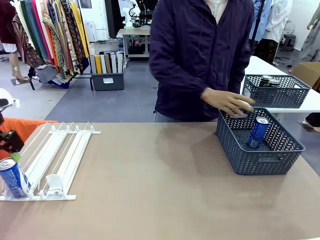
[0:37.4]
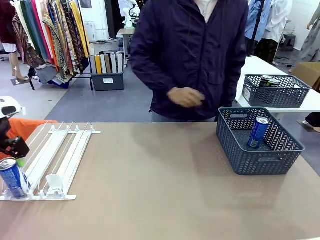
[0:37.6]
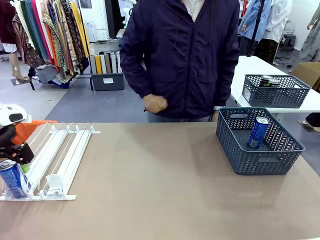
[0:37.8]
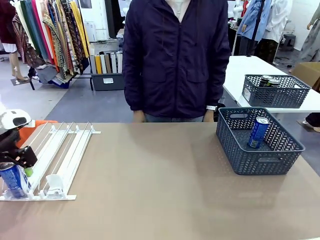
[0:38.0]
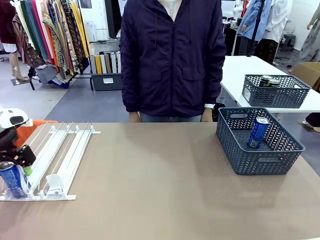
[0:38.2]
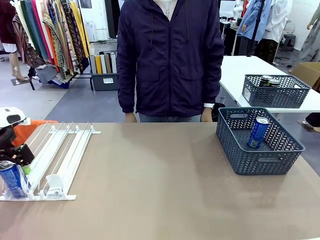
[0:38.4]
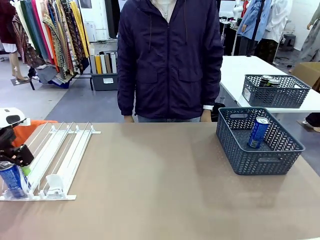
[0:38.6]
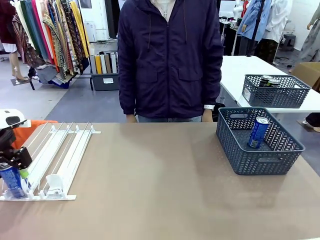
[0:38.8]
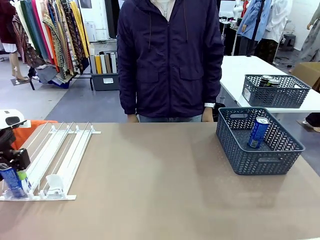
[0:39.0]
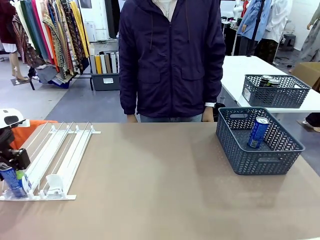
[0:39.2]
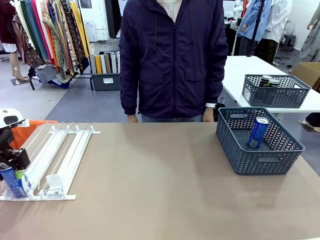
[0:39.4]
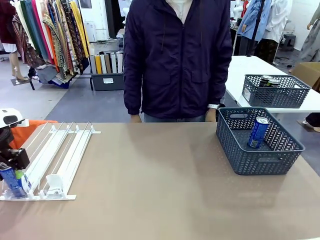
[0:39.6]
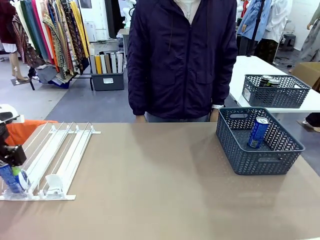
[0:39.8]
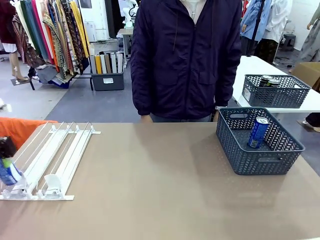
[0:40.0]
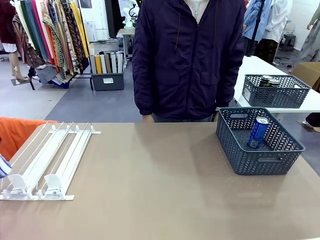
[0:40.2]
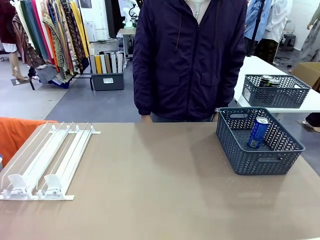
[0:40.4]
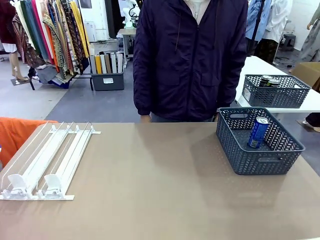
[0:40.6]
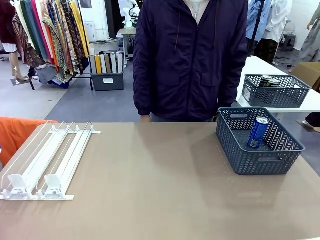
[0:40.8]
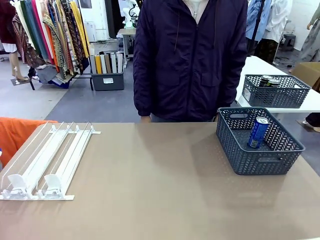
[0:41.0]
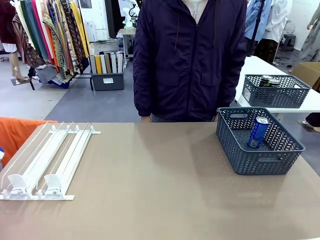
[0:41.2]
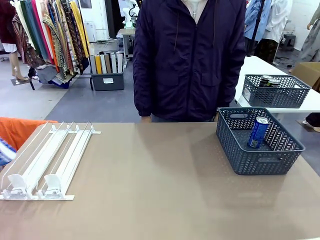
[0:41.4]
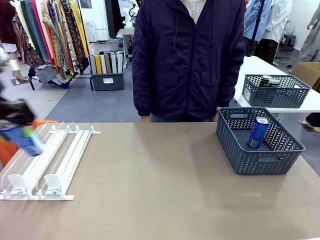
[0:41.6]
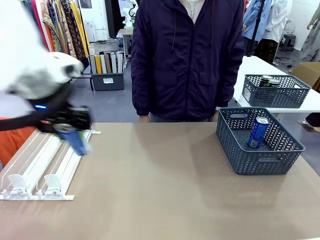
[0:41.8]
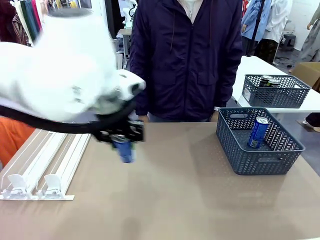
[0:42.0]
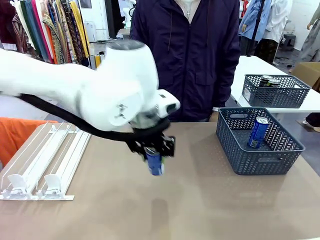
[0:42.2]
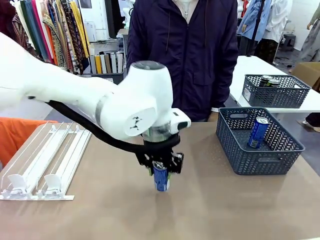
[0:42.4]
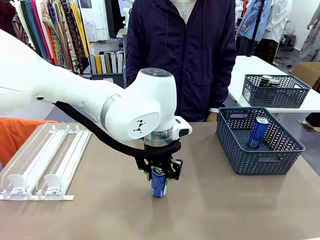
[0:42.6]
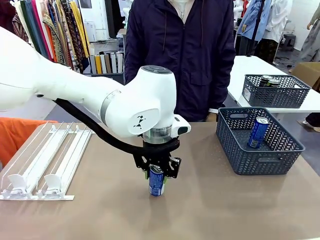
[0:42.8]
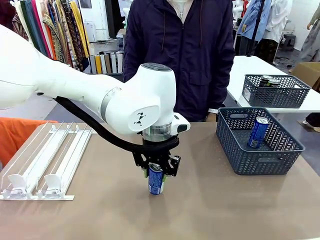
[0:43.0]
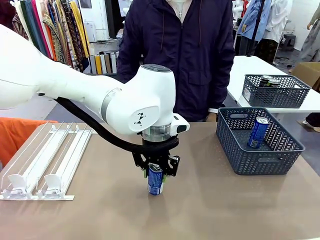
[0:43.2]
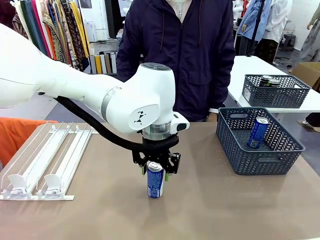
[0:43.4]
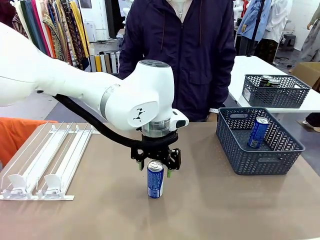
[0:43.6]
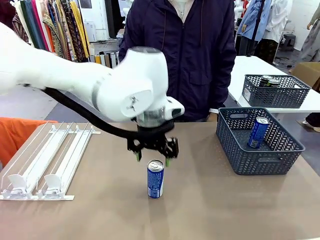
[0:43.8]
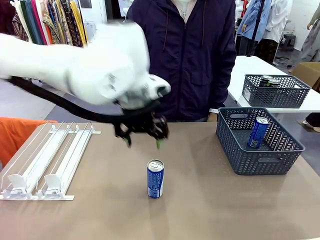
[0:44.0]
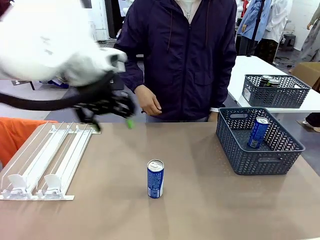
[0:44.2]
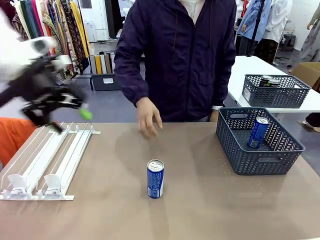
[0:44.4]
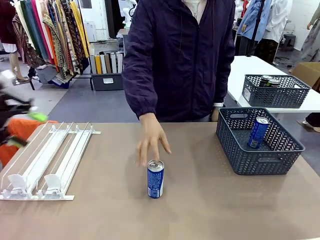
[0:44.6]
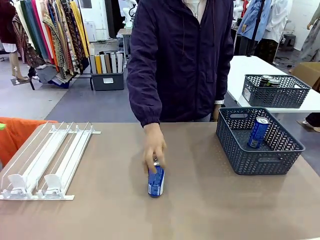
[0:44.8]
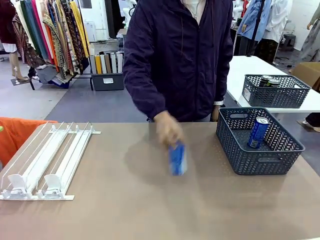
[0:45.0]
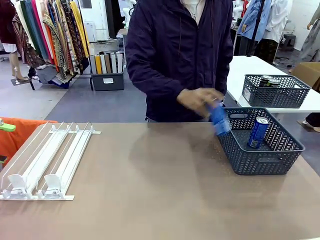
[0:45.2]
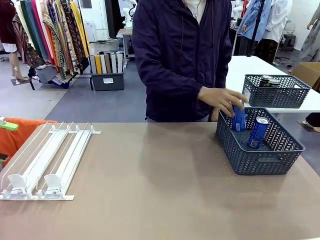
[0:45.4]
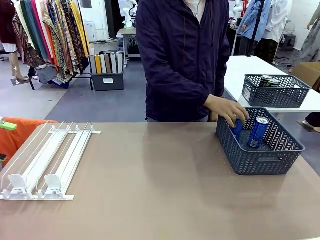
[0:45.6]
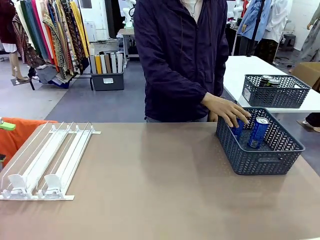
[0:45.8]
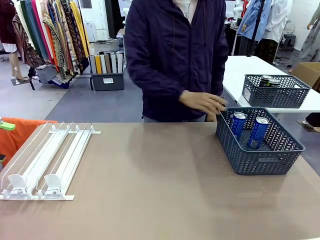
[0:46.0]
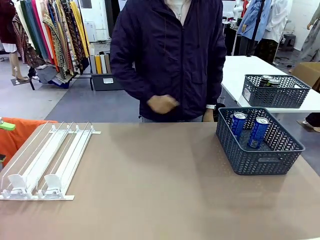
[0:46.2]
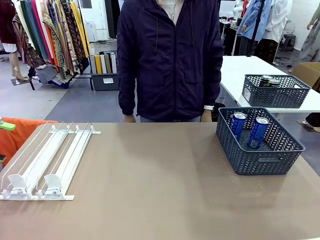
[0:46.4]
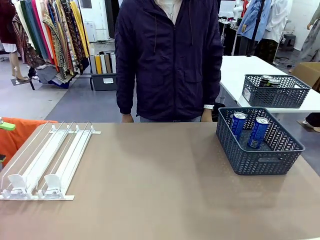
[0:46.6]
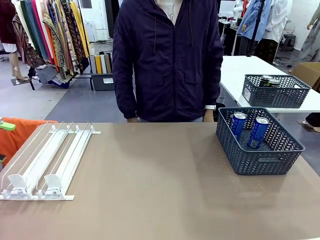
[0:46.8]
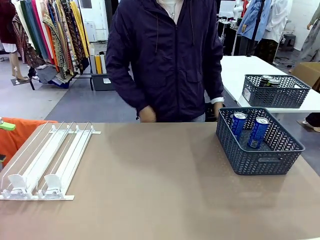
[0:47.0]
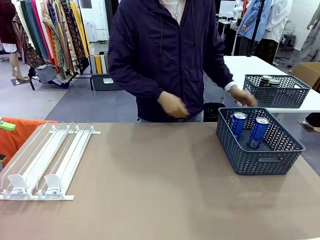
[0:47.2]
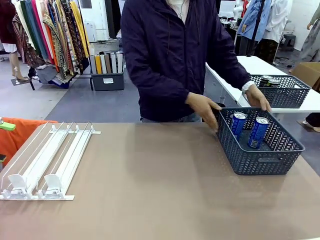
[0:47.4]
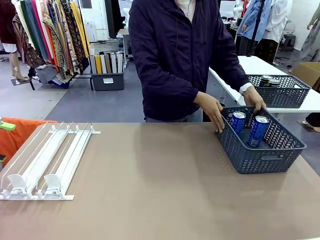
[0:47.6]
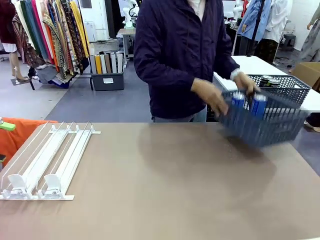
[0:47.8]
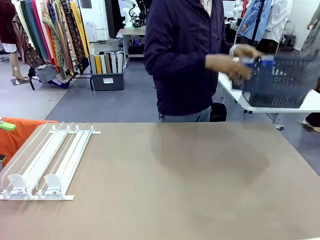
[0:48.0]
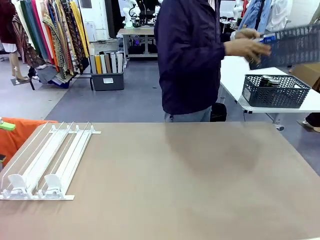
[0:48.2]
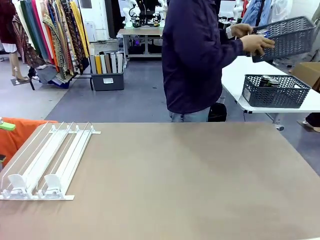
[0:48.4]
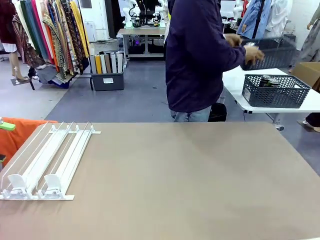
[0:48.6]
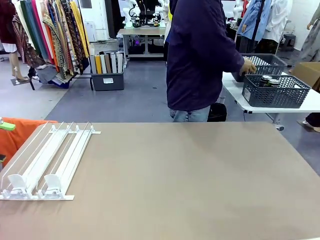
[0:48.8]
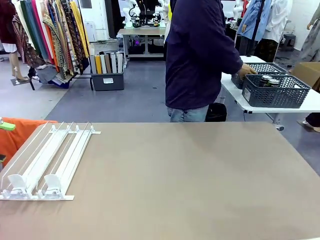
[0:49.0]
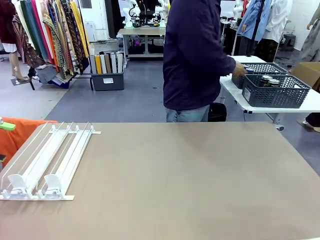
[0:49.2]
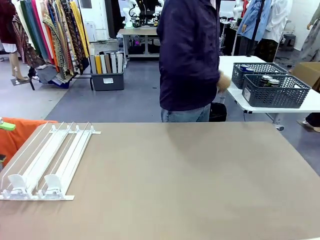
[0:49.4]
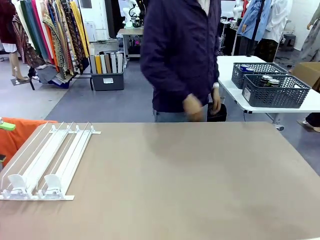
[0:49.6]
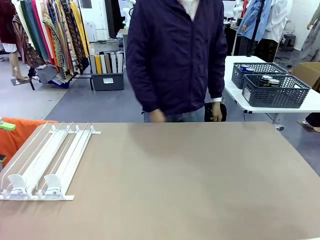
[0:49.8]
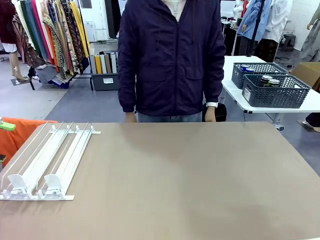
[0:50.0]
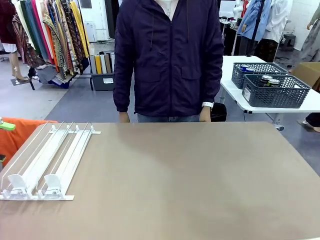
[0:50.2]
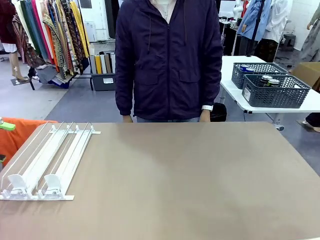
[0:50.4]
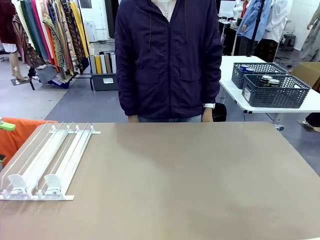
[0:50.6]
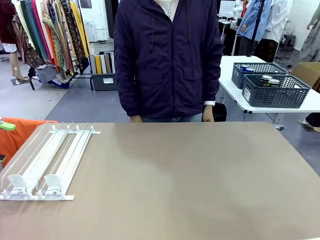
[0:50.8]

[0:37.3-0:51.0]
Task: Retrieve and store the cans from the dispenser.
Robot: Pick up one can from the Automatic Can Dispenser and place it in the middle of the table.
Person: Pick up one sports drink can from the middle of the robot table and place it in the basket. Pick up the basket and place it in the middle of the human table.
